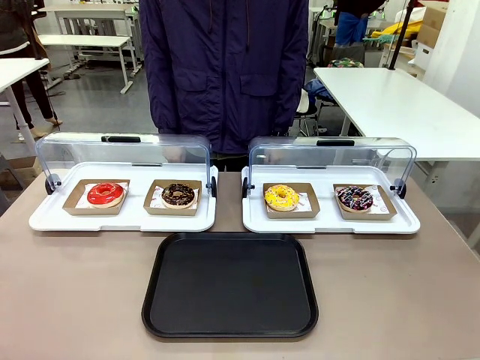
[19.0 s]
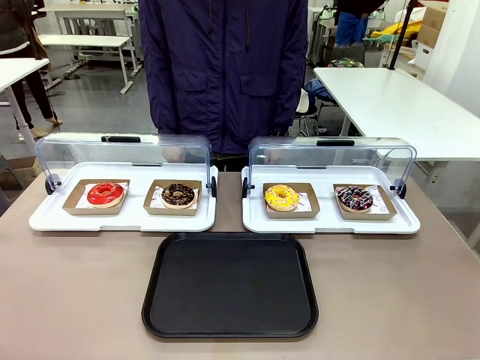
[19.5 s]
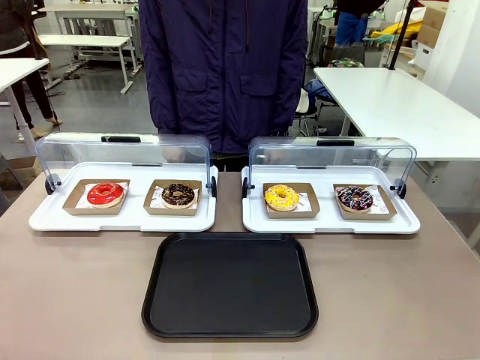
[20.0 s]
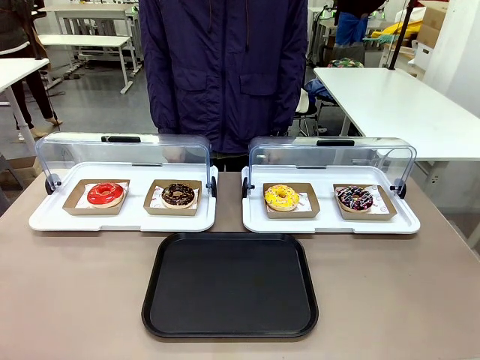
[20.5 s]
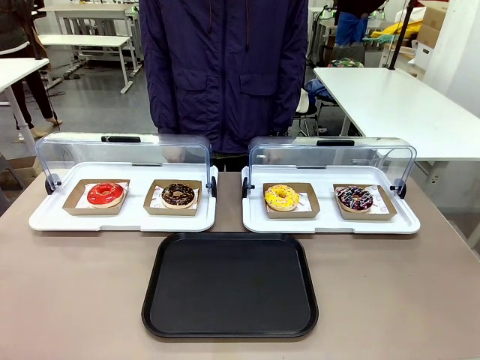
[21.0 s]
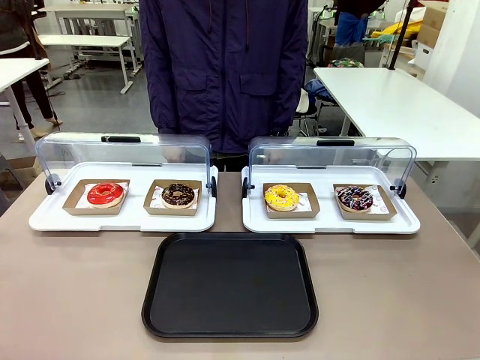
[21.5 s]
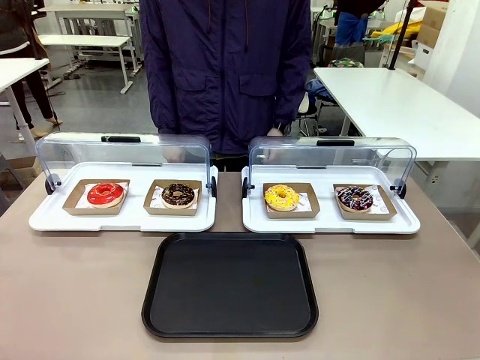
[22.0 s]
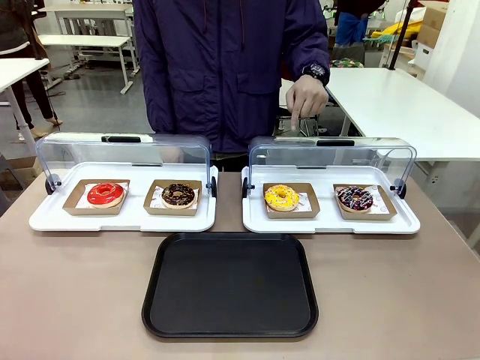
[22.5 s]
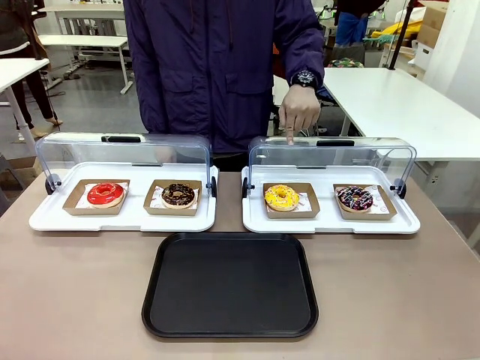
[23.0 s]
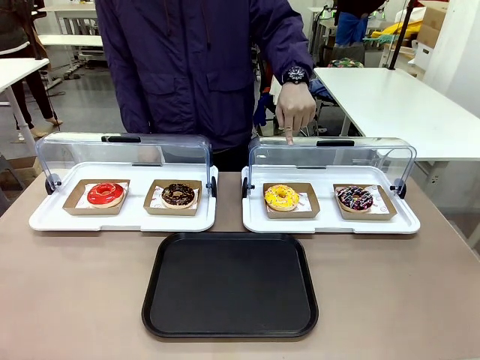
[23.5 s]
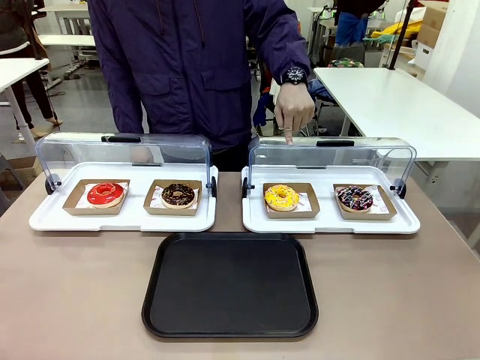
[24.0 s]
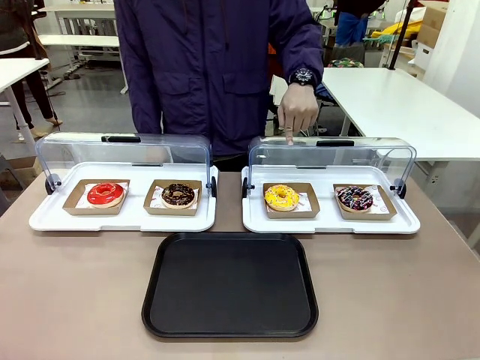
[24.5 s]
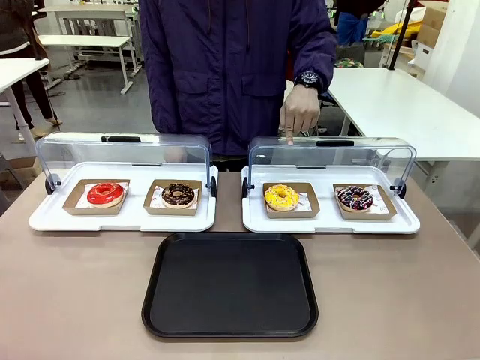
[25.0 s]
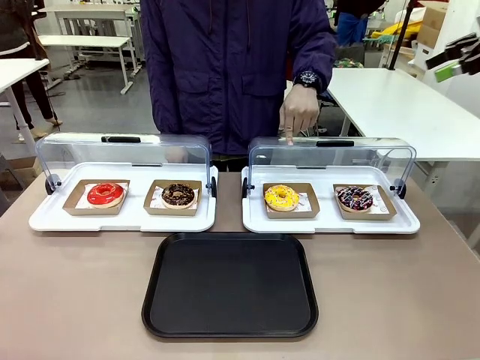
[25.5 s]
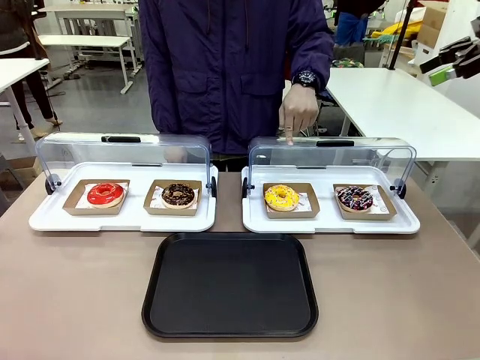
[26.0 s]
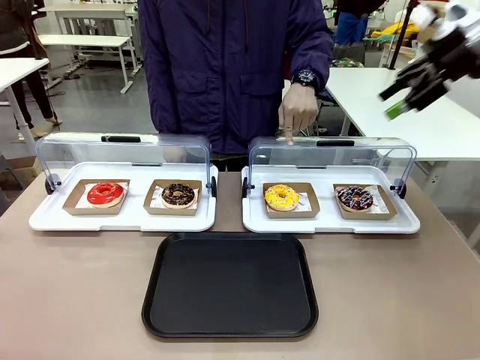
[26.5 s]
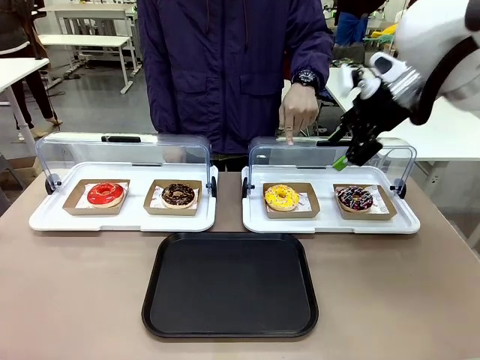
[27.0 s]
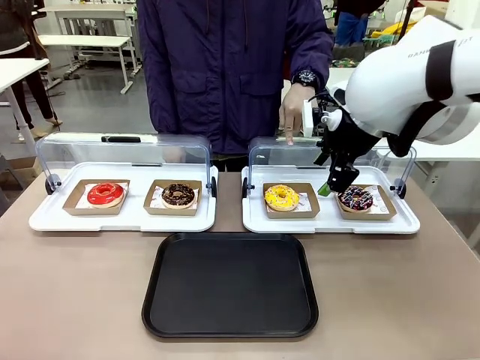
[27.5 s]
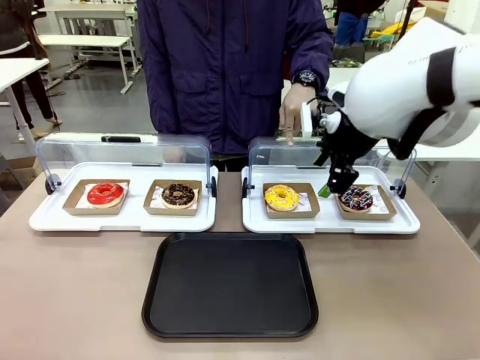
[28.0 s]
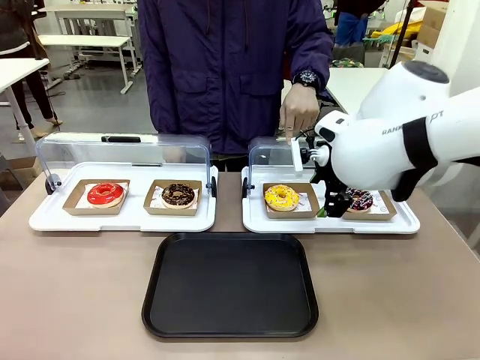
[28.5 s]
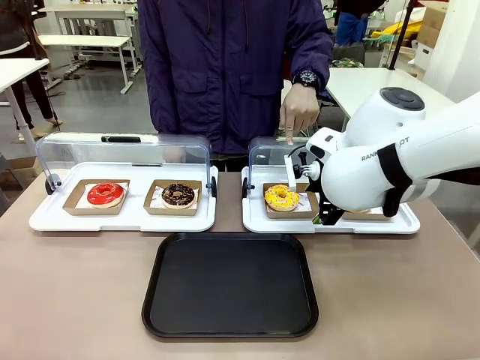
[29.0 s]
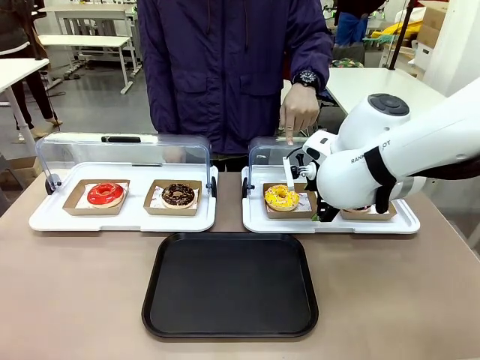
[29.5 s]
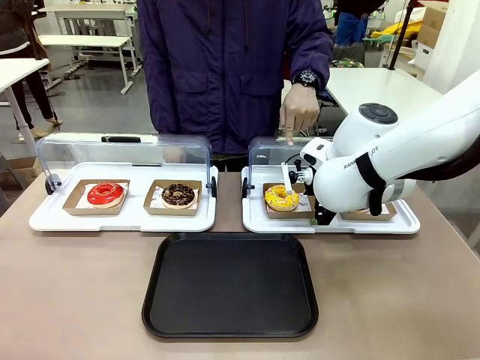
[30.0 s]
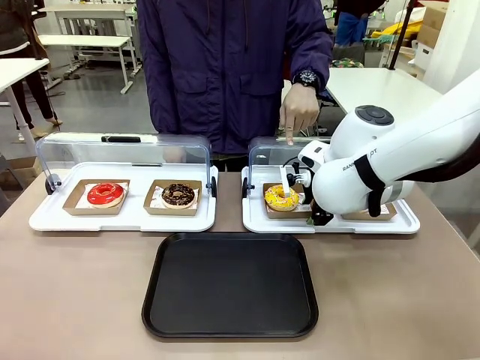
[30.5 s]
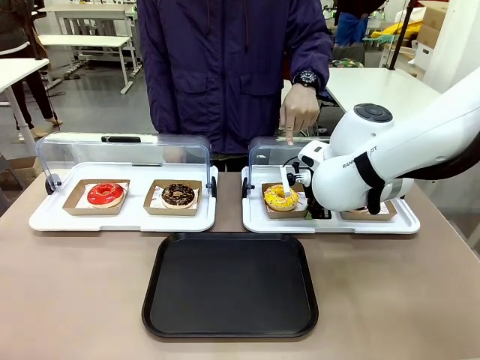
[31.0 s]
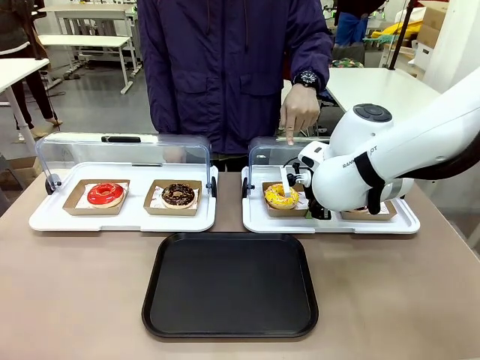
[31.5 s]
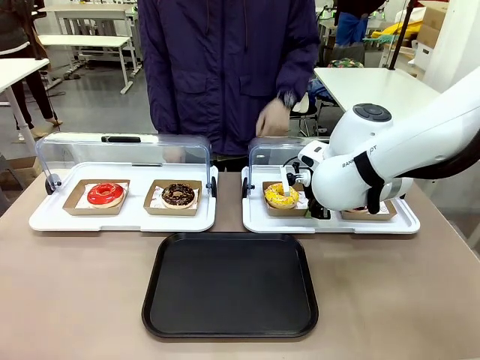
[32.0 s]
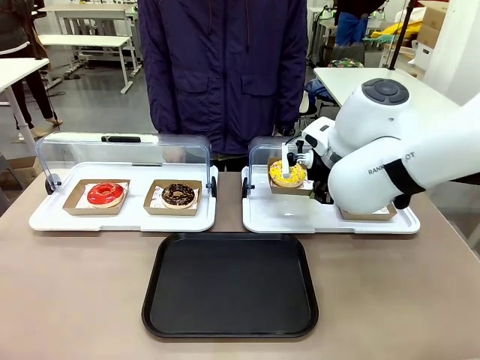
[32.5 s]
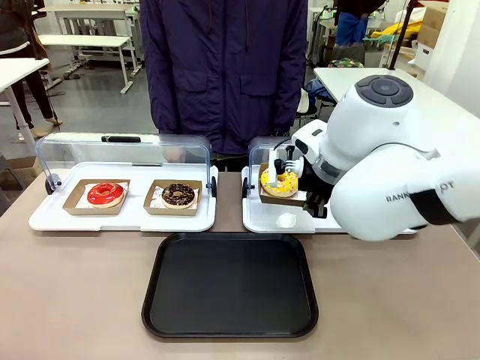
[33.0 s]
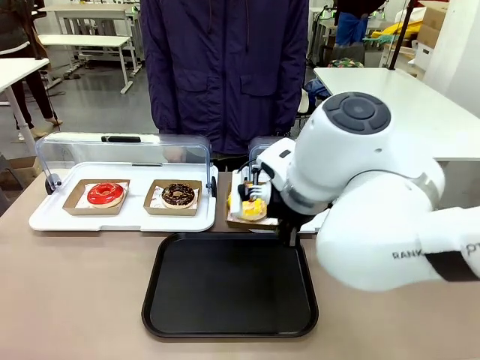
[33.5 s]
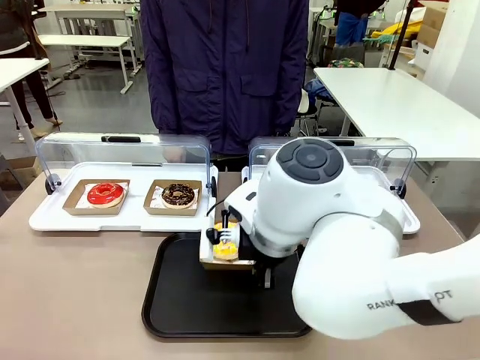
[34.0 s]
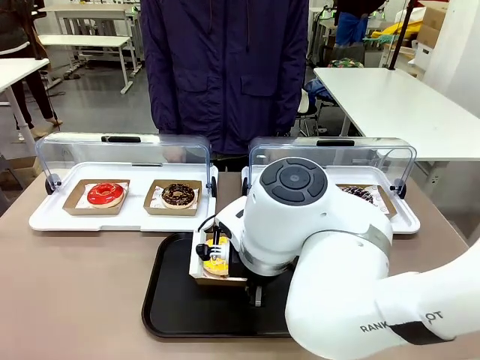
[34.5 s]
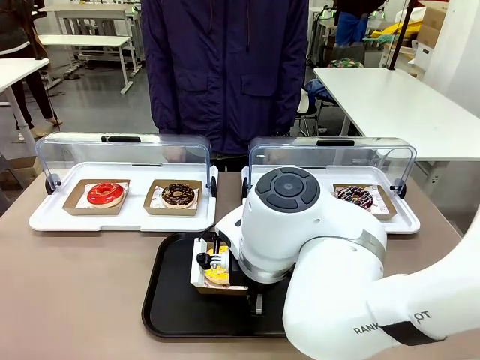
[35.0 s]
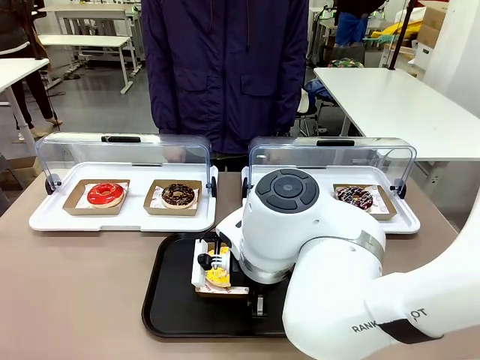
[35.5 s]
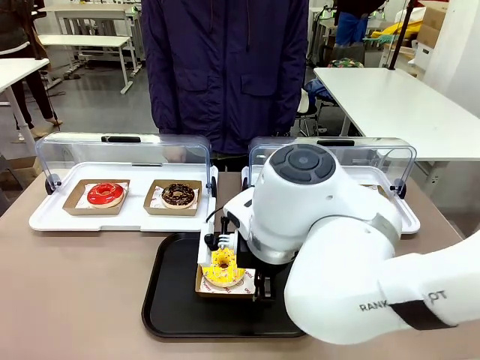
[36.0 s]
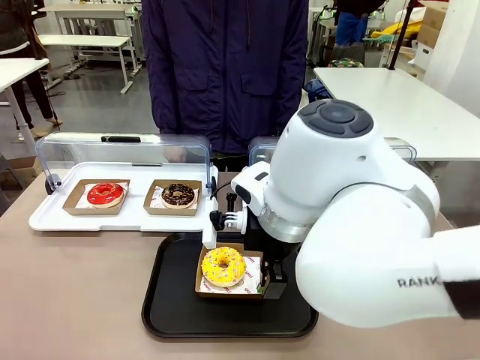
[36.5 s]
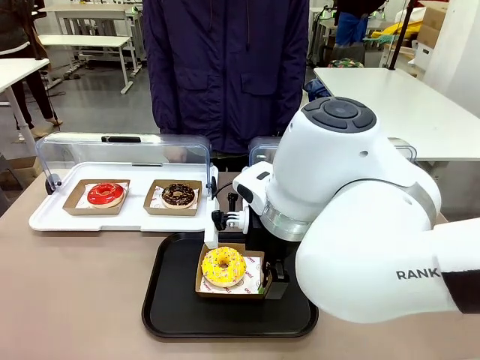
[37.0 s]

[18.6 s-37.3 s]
Task: Move the third donut from the left to the tray.
Robot: Pick up the Paper togo box containing the Donut indicated by the person and place it on the Handle tray.
Person: Points to the third donut from the left from the robot’s perspective.
